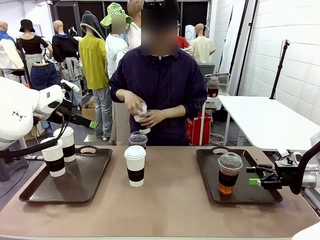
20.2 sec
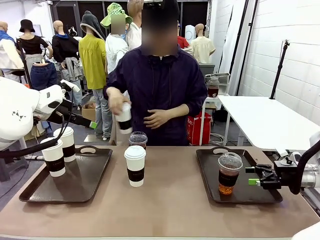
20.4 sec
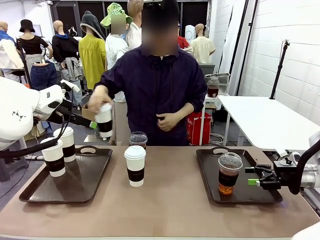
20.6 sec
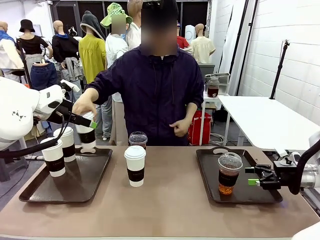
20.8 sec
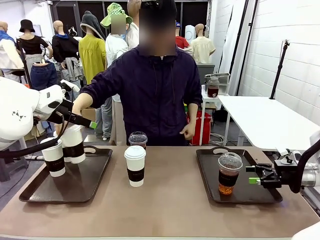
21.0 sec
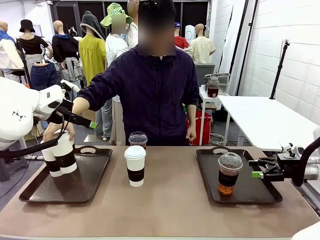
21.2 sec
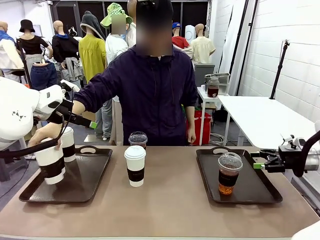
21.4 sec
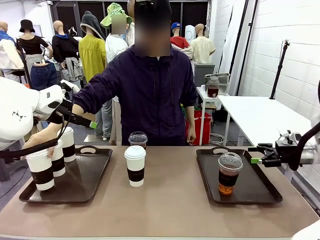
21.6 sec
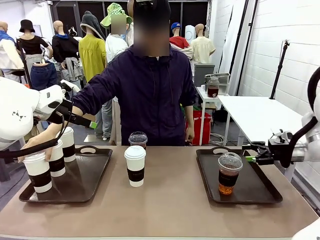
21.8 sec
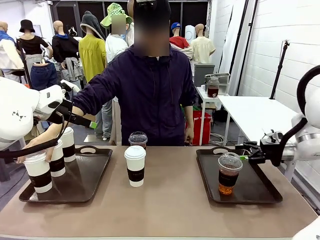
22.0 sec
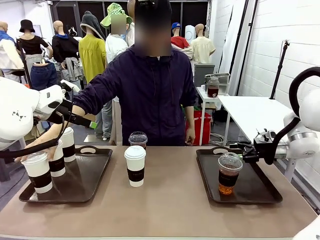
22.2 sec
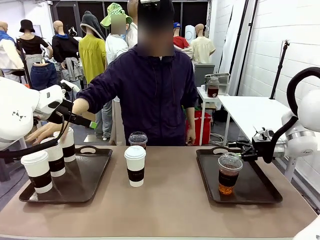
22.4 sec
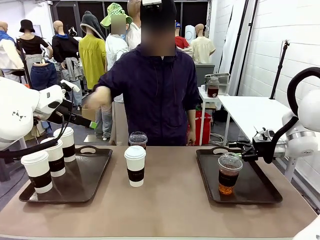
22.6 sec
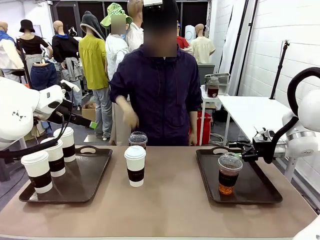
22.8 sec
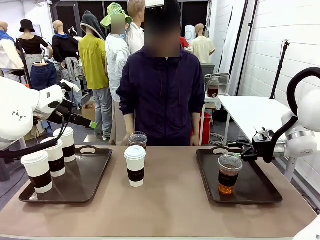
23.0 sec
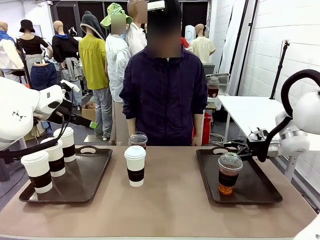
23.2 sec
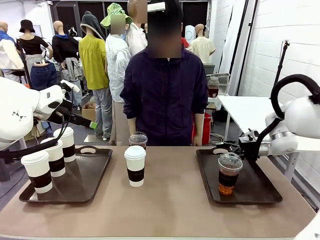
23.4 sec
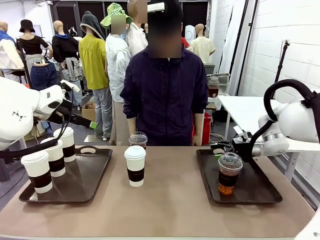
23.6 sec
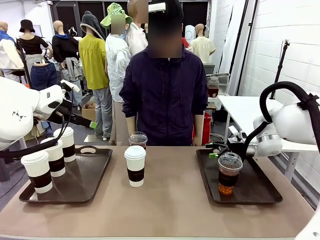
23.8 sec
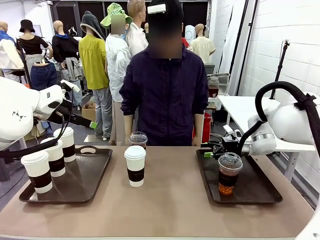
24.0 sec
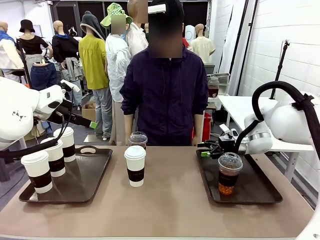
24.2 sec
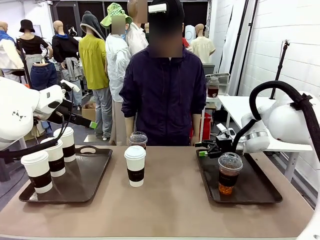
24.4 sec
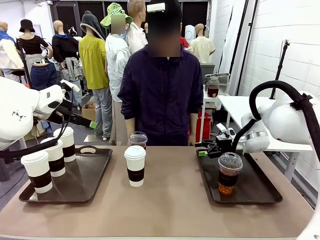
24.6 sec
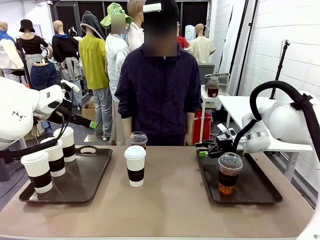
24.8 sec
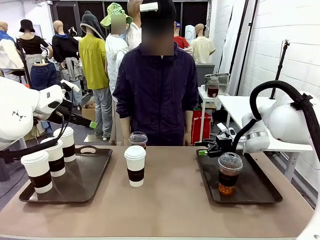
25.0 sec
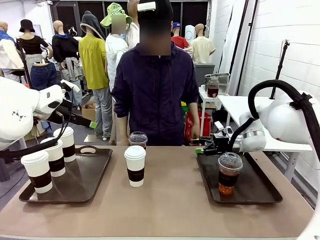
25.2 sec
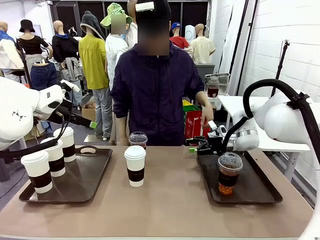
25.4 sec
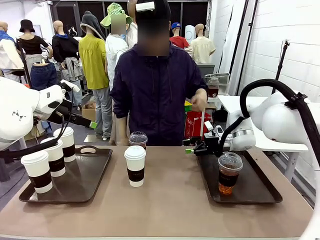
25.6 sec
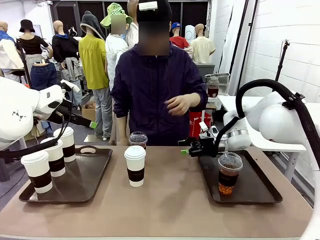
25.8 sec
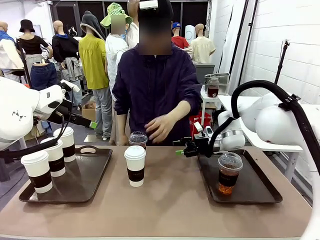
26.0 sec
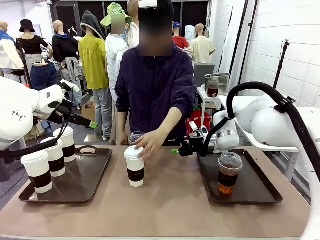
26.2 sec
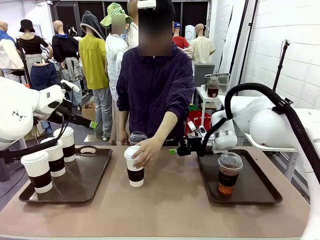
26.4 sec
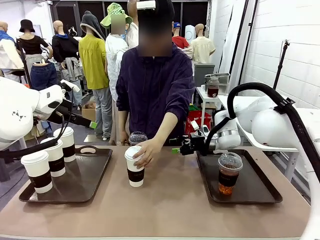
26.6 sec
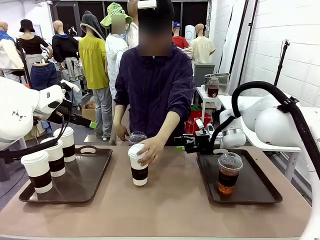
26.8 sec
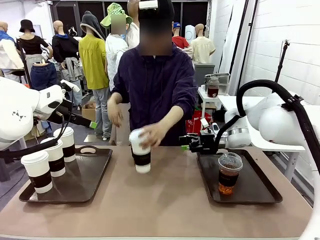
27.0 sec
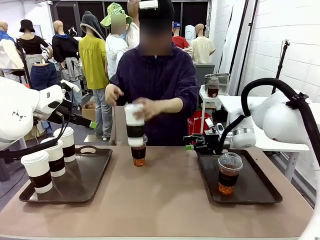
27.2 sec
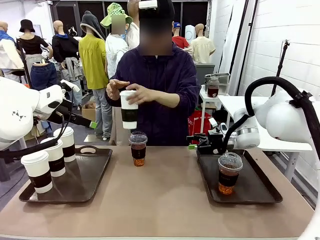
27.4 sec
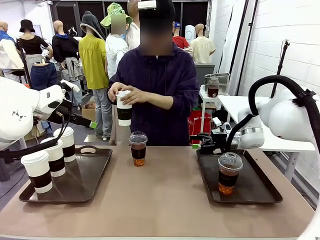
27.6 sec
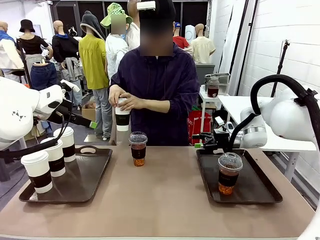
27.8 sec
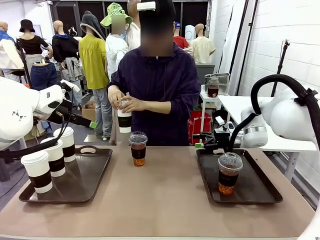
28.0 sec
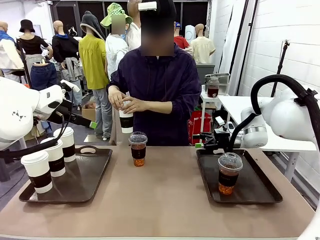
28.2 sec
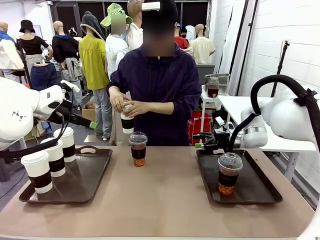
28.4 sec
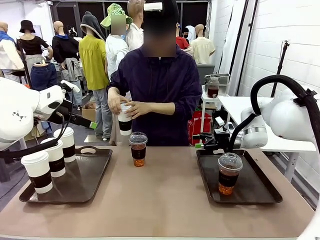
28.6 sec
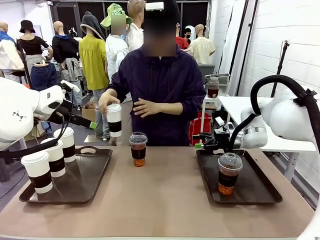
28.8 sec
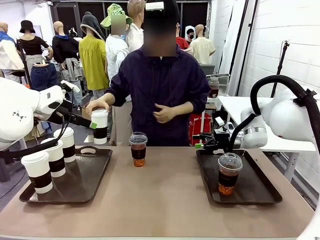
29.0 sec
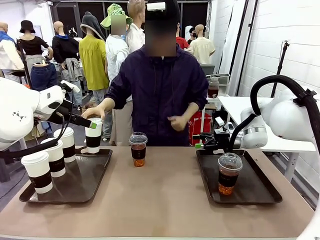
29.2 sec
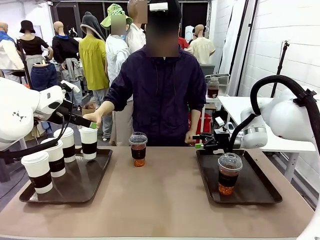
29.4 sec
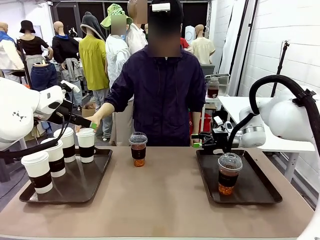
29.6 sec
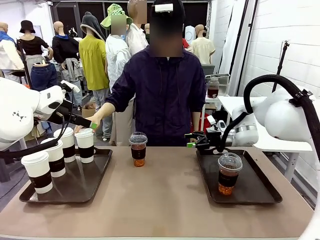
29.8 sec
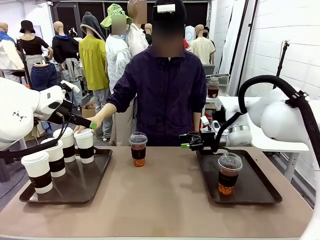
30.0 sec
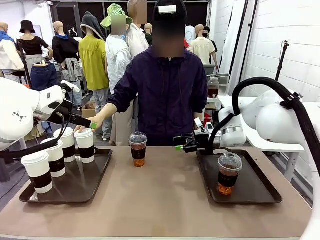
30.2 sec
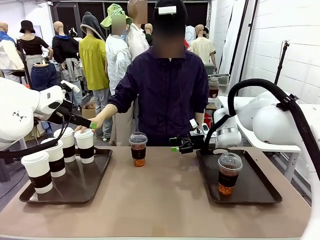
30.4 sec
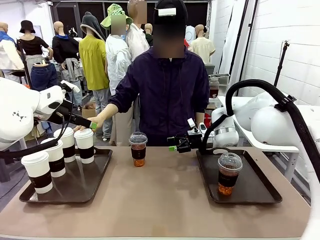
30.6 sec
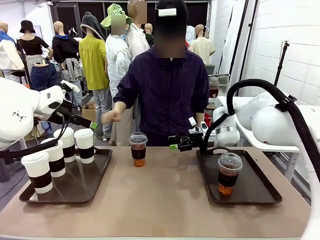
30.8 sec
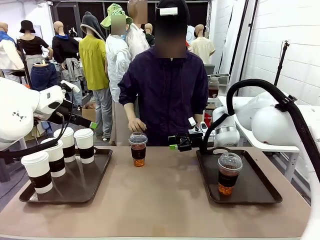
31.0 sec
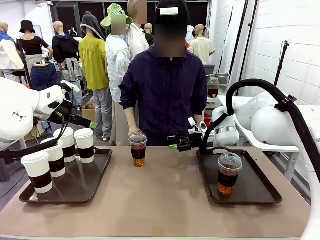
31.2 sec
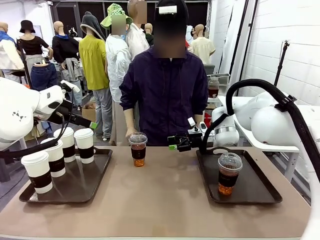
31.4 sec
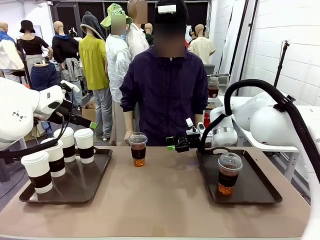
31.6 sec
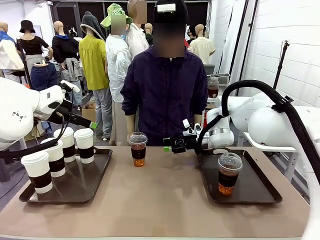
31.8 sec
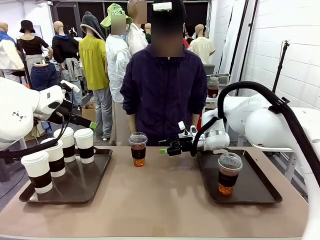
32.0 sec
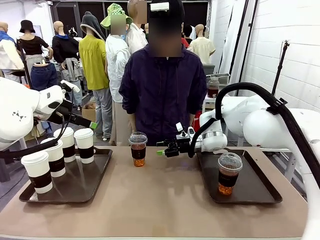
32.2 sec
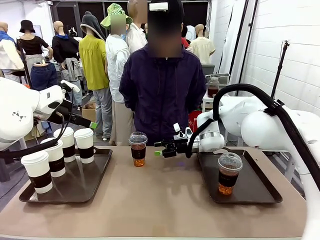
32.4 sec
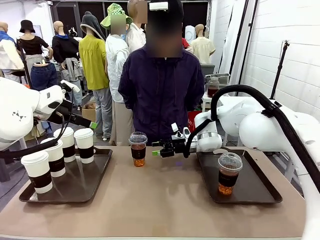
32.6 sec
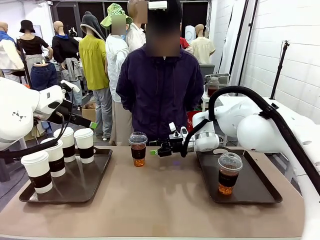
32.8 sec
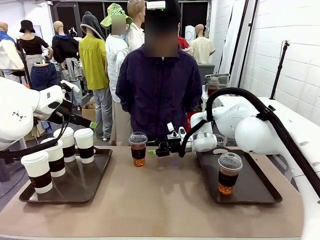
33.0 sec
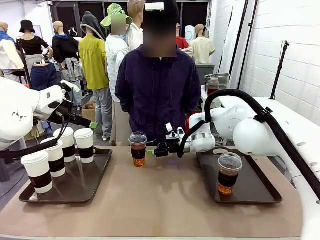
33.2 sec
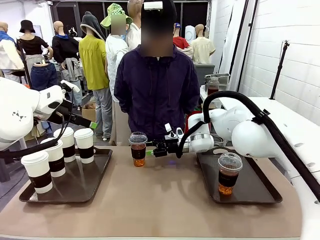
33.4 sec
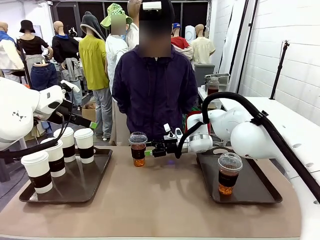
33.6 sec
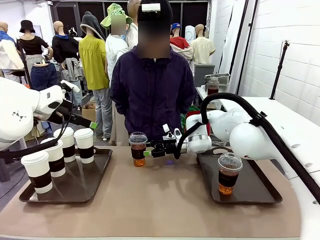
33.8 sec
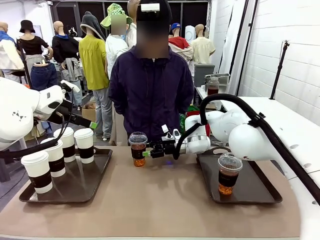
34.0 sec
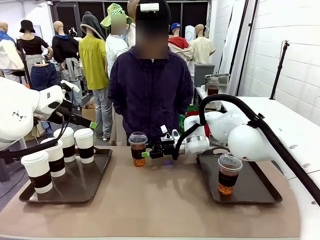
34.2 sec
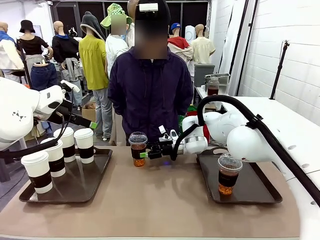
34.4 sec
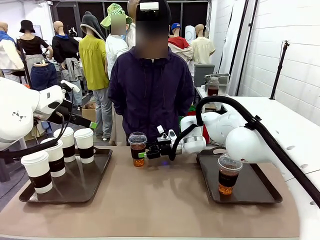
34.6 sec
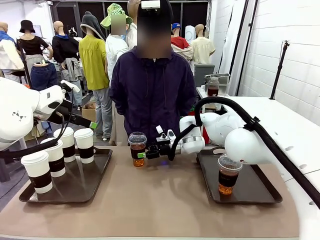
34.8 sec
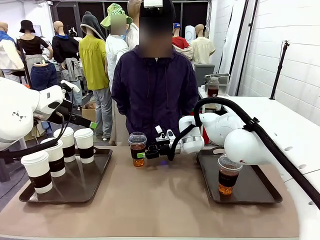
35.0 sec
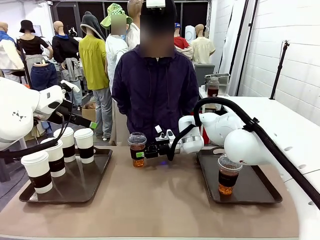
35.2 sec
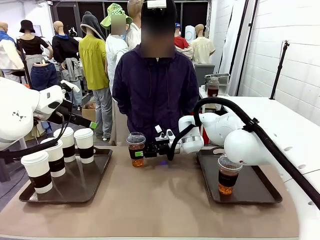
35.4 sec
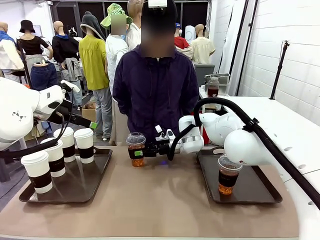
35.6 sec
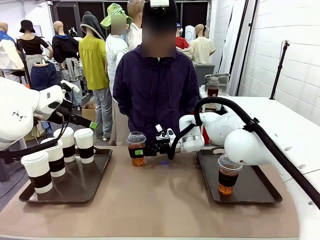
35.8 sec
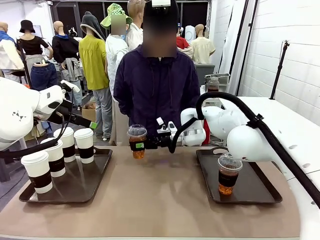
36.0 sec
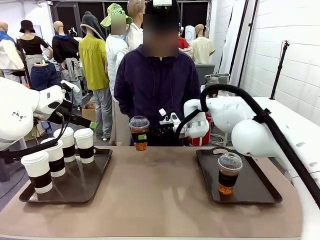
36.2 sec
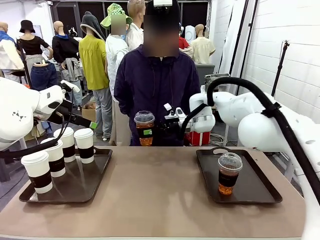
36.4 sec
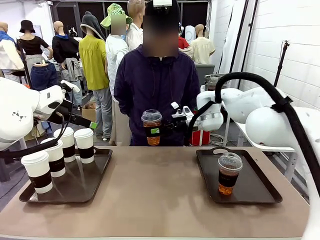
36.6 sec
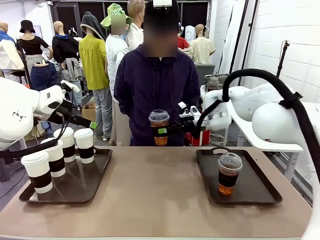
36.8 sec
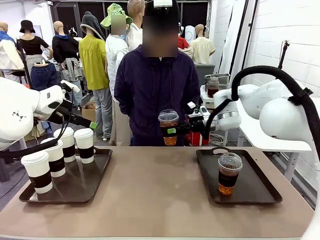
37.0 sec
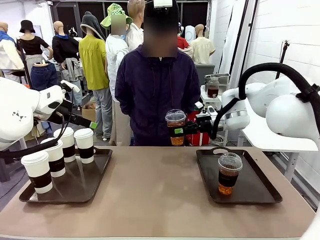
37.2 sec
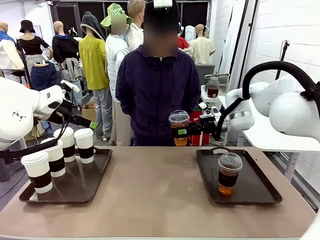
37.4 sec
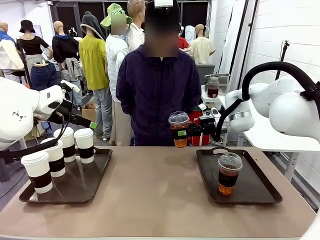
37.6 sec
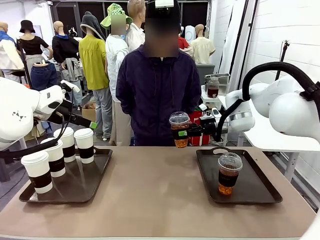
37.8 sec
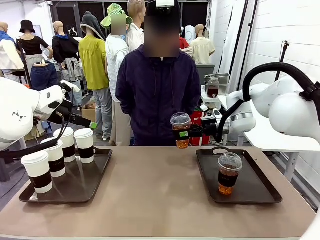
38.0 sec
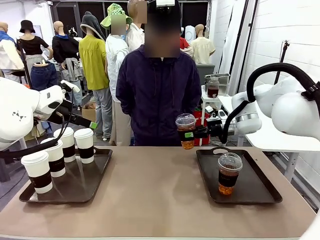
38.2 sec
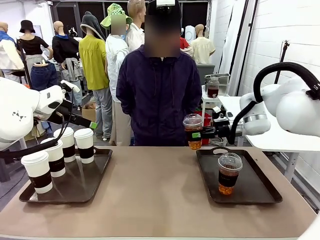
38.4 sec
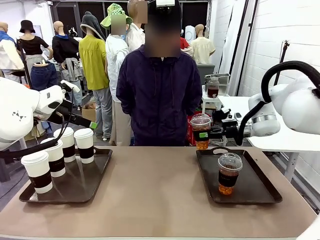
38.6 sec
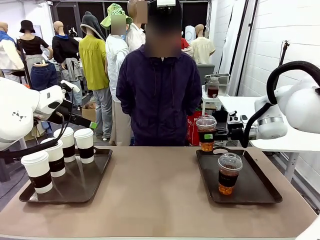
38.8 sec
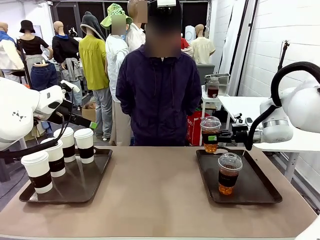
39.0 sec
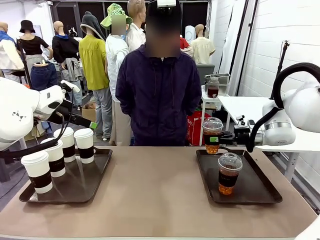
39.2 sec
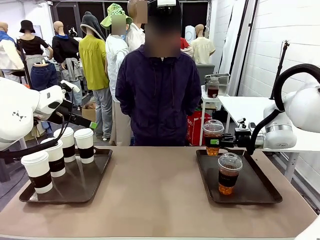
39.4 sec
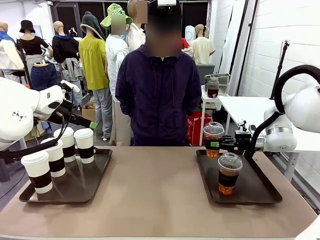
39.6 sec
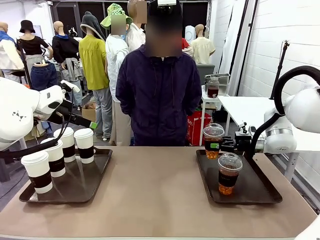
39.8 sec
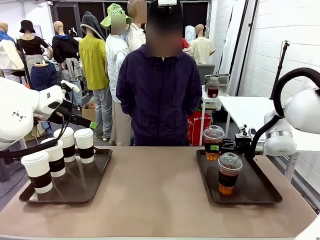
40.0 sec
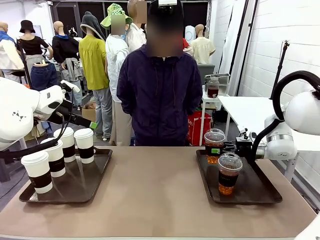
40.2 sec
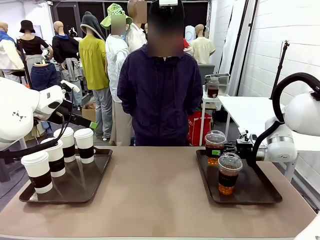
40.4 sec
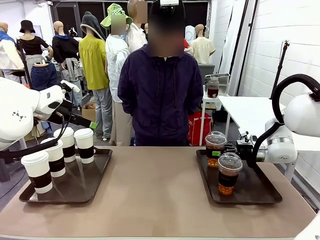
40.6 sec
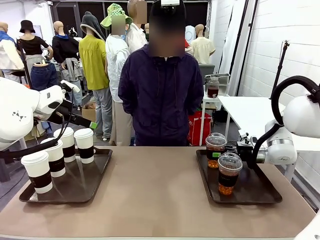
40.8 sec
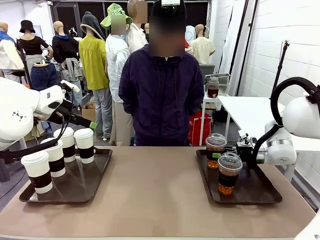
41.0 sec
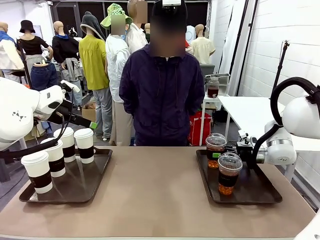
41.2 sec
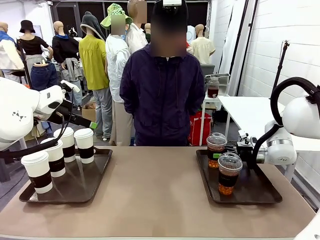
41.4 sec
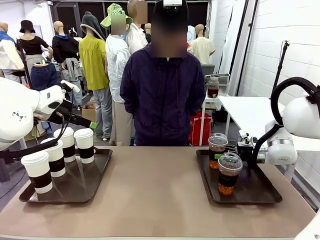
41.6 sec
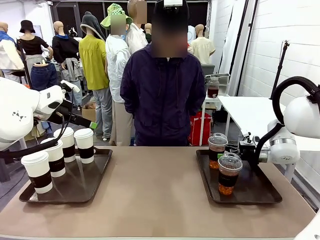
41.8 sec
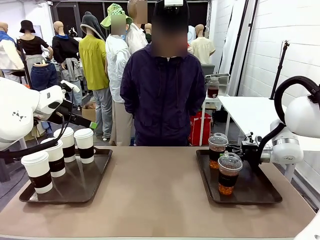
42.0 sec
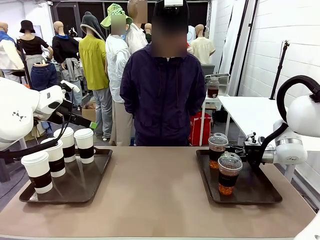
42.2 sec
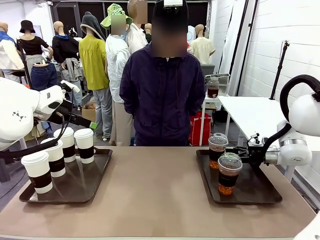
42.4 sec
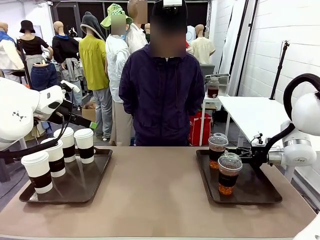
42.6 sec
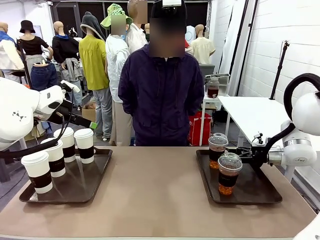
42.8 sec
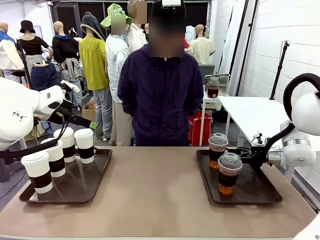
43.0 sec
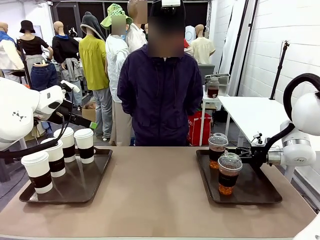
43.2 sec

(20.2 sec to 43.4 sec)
Task: Distribute the coffee onto the tray.
Robot: Pick up another iced Americano from the middle of the table and place it on the right Handle tray.
Person: Pick up a cup of hot Americano from the middle of the table and place it on the right tray.
